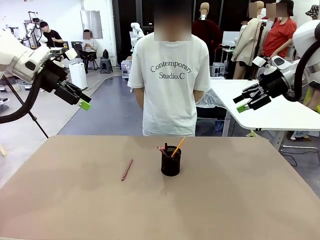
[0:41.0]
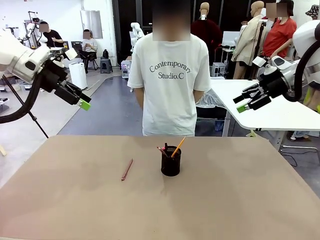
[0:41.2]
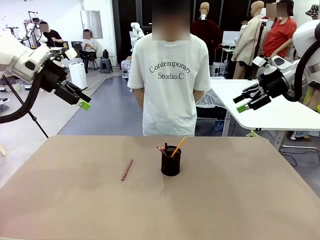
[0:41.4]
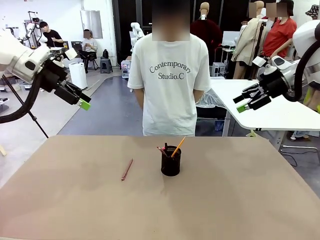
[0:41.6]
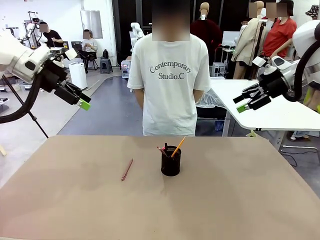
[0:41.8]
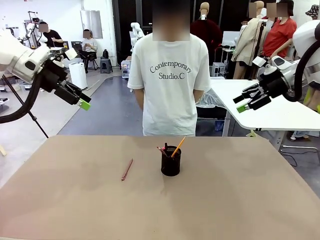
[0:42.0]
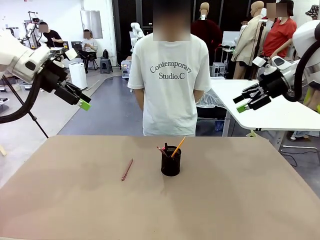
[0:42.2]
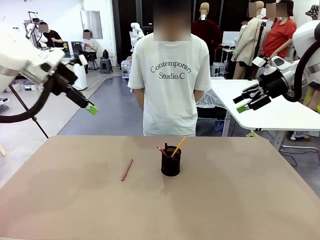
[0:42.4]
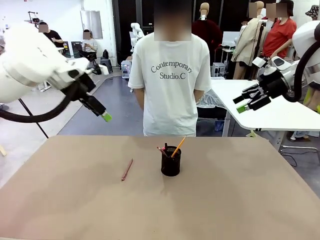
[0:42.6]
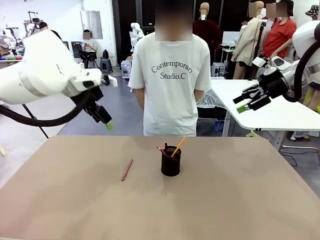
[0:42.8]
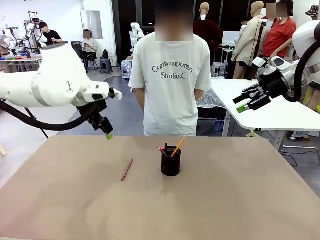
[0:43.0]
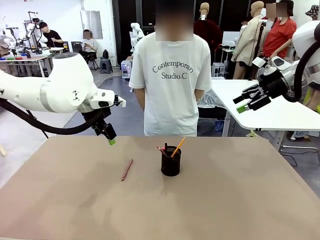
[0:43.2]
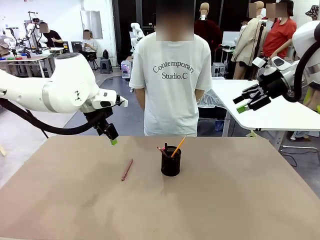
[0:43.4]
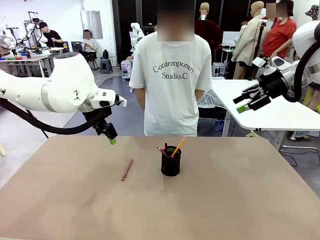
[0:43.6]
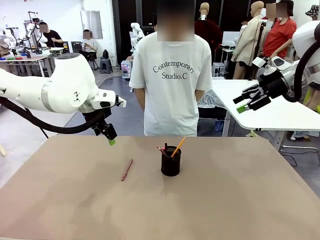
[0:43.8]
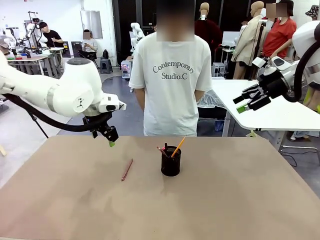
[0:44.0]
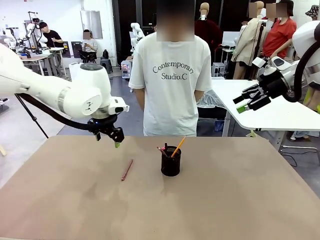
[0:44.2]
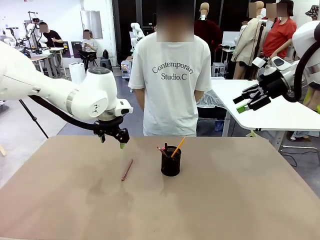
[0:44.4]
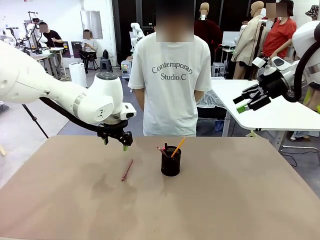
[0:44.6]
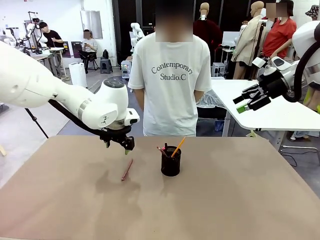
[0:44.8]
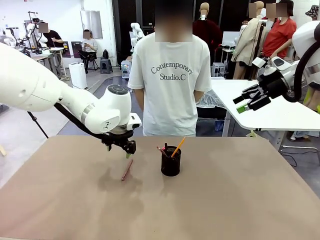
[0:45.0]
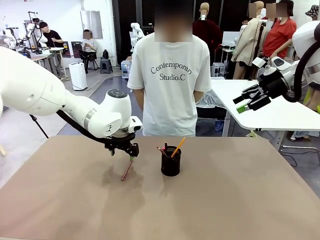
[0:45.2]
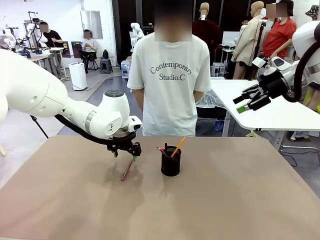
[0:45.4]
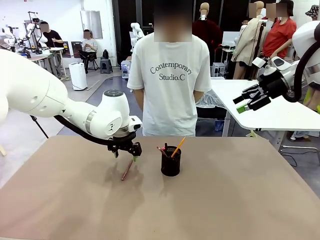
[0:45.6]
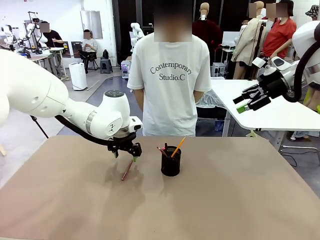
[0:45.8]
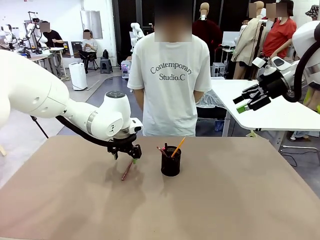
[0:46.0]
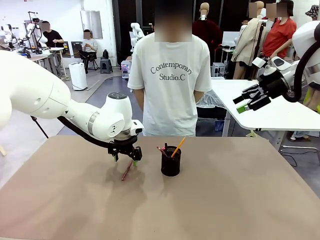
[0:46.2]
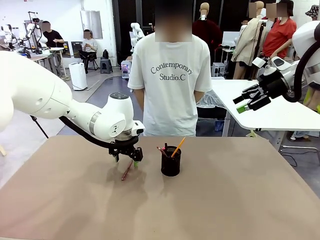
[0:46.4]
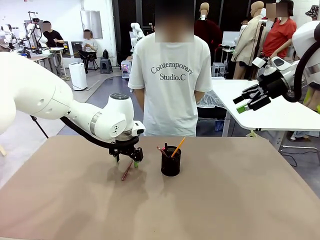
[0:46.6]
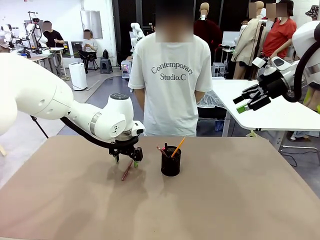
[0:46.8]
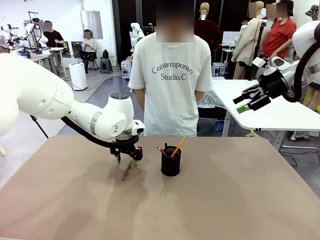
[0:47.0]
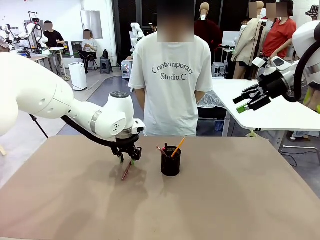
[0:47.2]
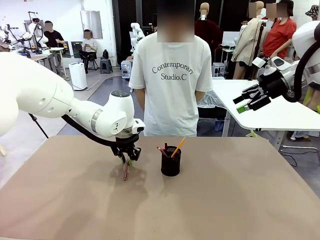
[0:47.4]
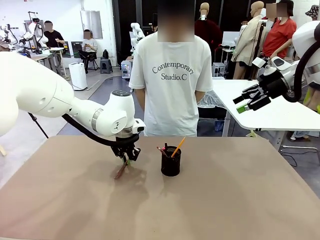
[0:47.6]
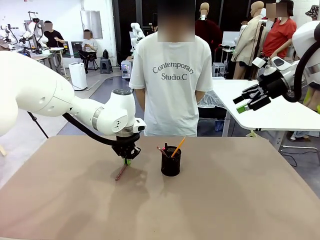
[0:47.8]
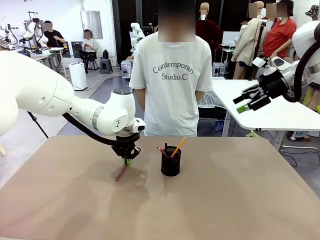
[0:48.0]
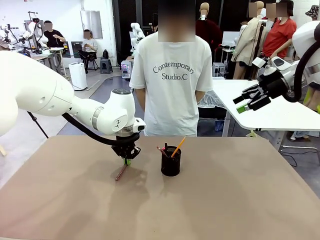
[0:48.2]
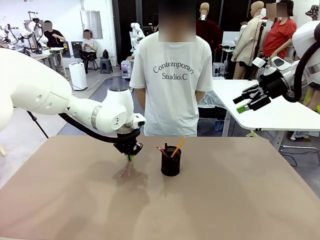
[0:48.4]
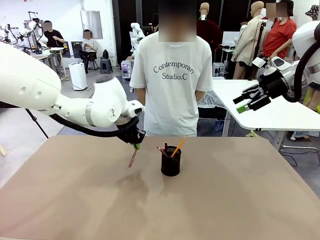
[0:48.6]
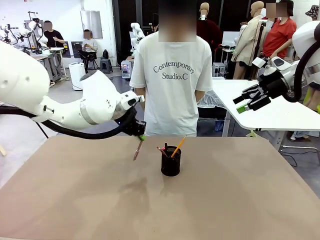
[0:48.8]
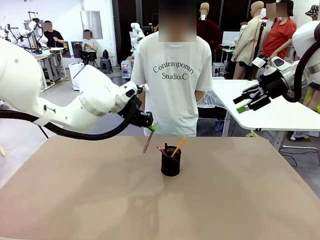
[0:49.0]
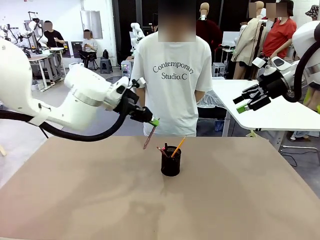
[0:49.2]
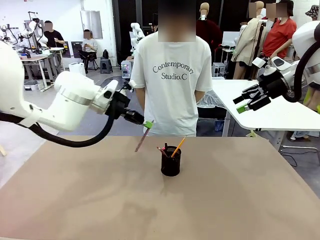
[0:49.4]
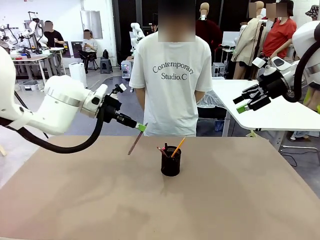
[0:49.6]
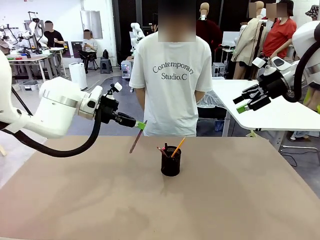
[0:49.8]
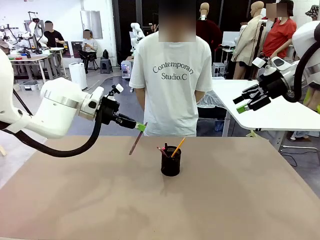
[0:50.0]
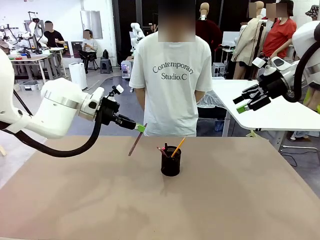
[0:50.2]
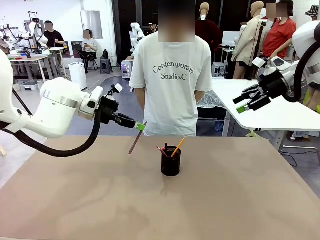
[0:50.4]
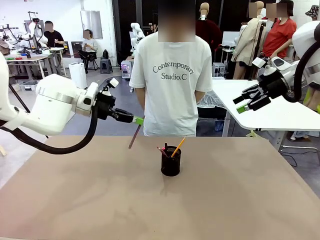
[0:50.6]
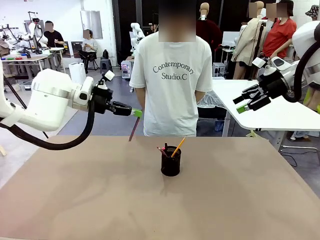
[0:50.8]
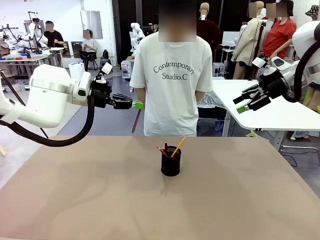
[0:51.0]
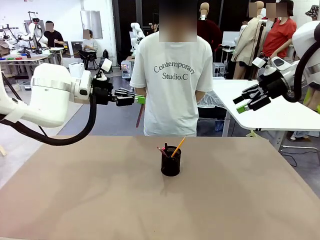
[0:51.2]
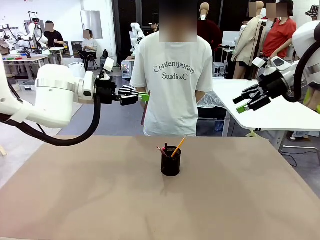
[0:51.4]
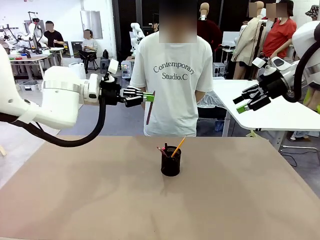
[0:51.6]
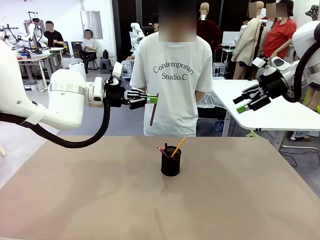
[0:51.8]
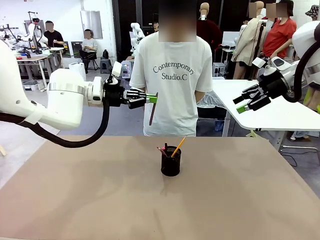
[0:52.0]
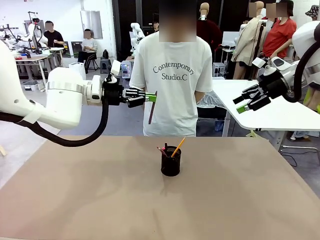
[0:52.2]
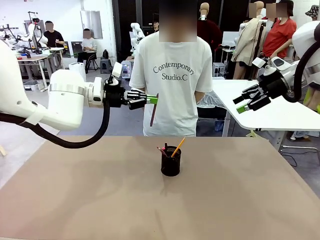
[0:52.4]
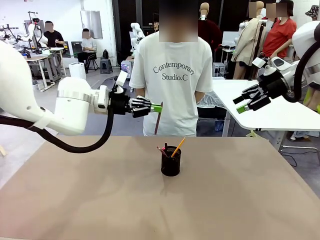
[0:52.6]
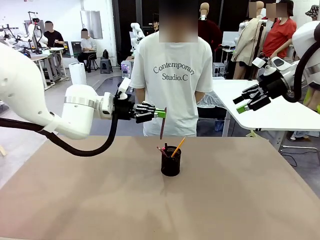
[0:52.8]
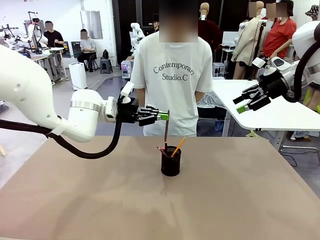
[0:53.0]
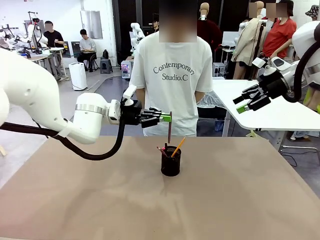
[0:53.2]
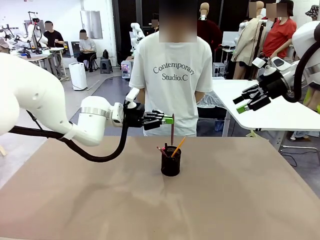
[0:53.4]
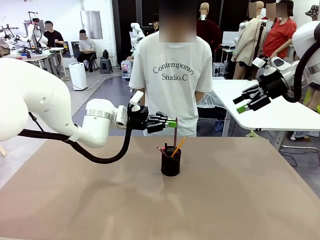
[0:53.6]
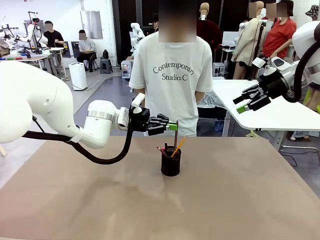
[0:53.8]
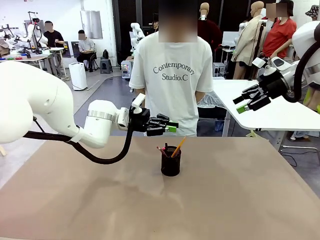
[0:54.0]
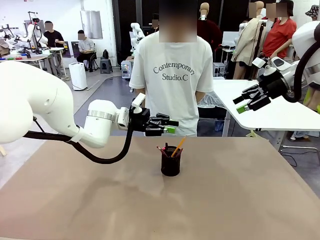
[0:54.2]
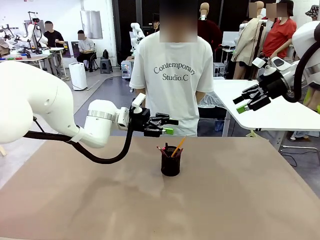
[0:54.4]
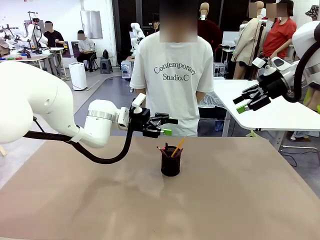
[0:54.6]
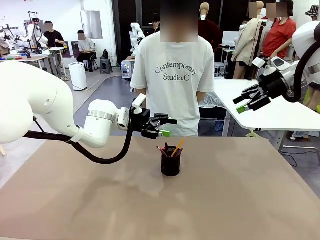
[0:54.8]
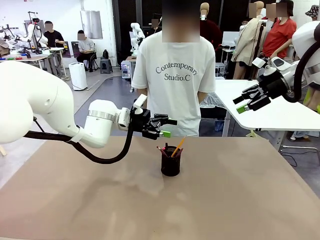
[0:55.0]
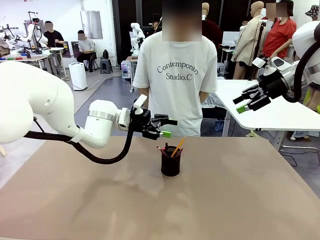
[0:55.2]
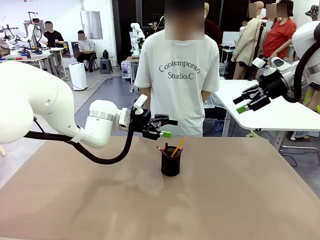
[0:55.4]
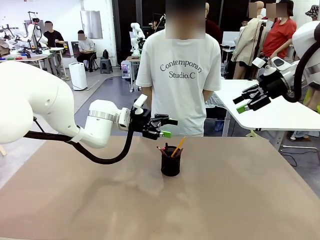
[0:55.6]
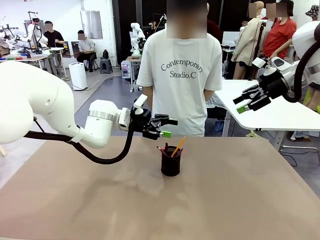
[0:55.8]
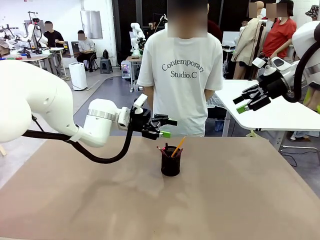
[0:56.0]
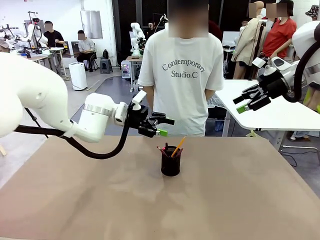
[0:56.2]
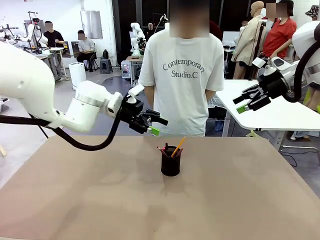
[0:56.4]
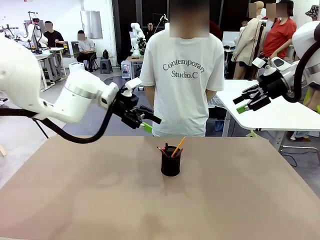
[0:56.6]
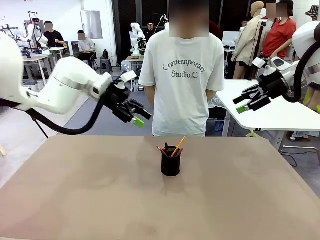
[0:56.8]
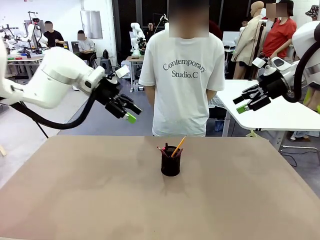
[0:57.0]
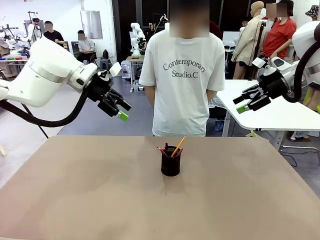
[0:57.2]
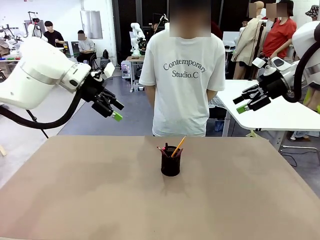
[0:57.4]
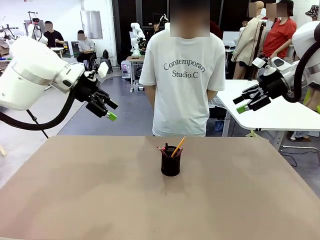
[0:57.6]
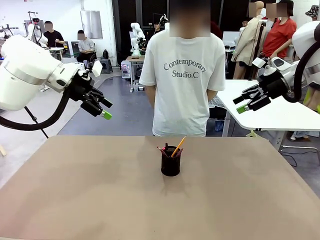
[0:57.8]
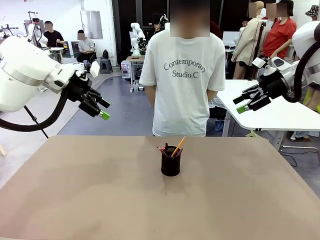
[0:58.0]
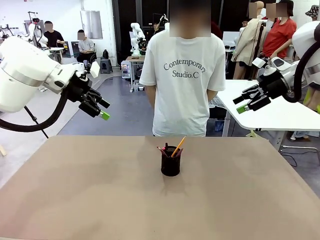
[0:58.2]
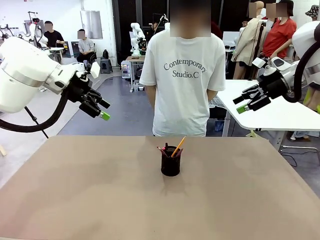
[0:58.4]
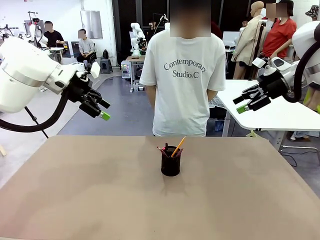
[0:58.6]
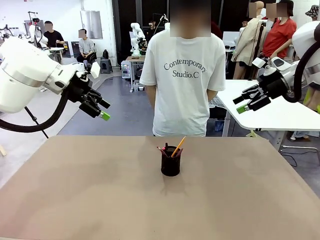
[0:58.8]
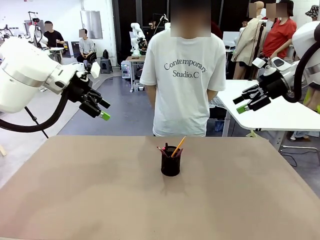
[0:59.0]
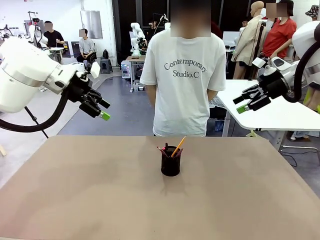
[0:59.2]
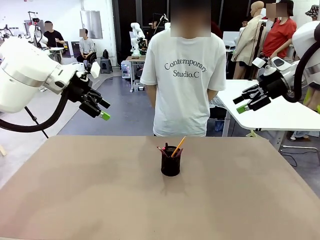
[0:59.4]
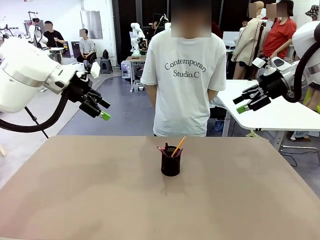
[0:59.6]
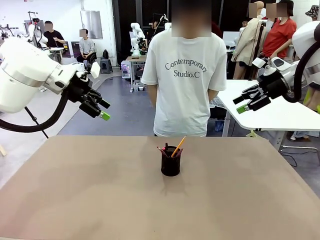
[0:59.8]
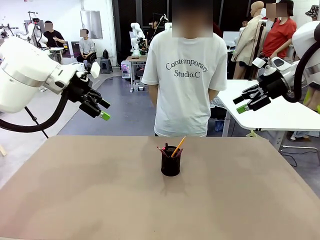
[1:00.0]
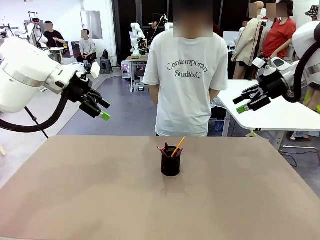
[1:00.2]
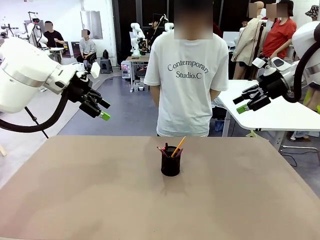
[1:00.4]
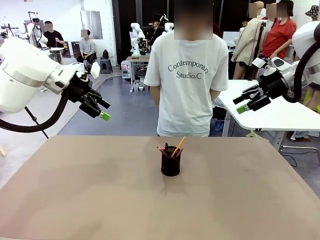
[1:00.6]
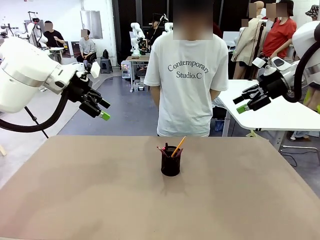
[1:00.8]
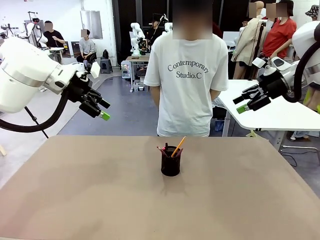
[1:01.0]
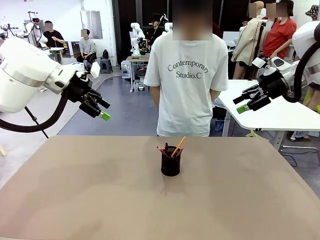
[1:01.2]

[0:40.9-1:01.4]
Task: Place the pens into the pen holder.
Robot: Pick up a writing instrument from the table and place it into the Pen holder.
